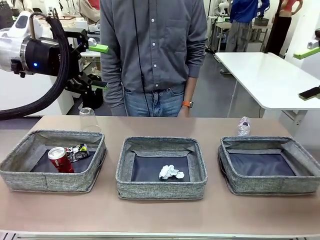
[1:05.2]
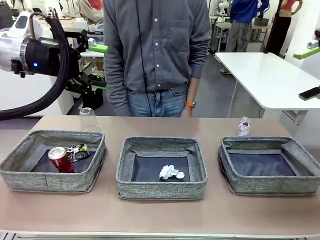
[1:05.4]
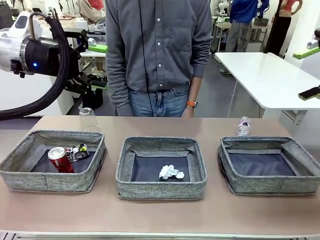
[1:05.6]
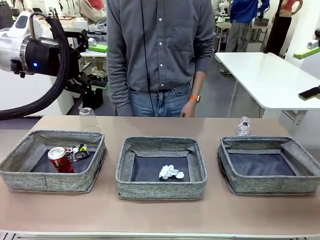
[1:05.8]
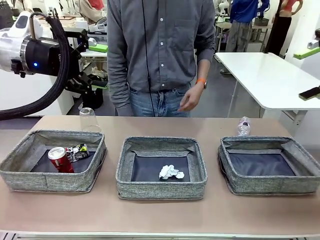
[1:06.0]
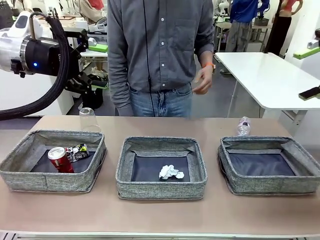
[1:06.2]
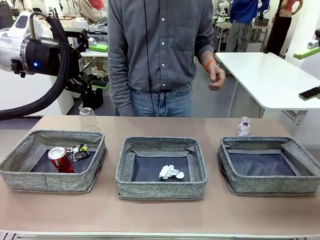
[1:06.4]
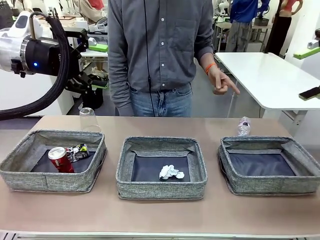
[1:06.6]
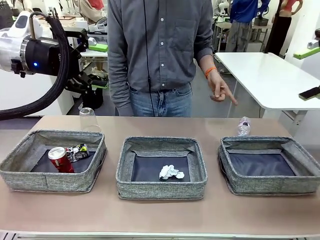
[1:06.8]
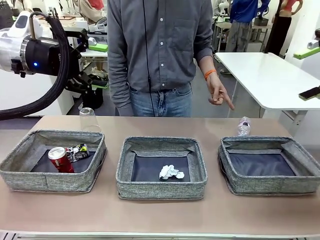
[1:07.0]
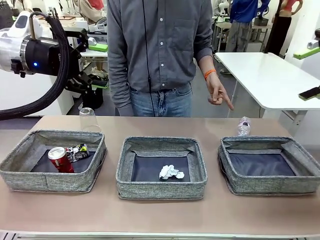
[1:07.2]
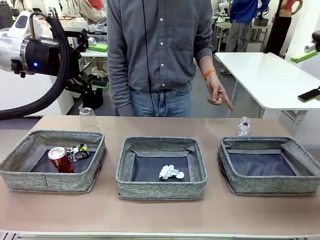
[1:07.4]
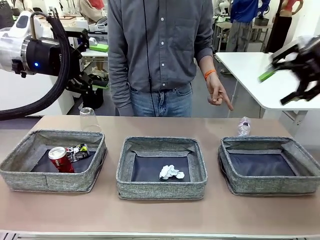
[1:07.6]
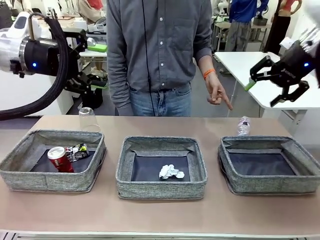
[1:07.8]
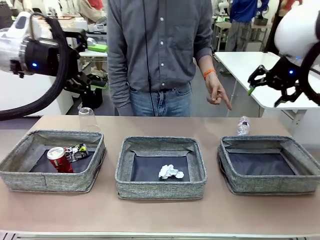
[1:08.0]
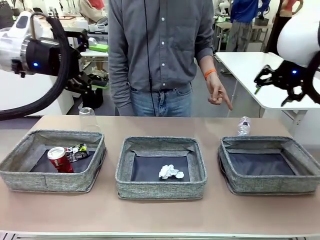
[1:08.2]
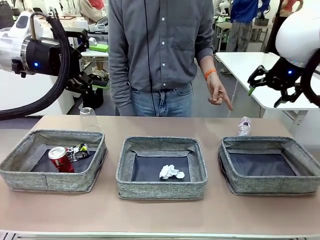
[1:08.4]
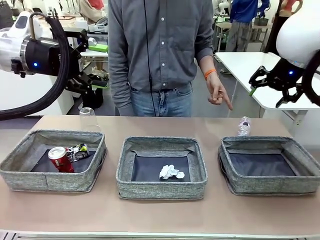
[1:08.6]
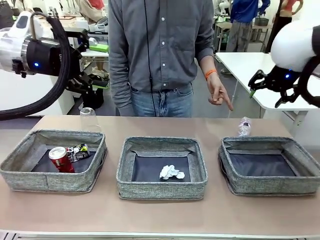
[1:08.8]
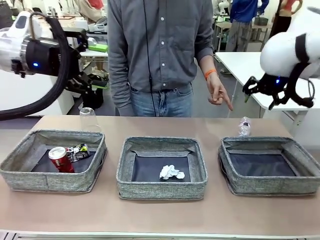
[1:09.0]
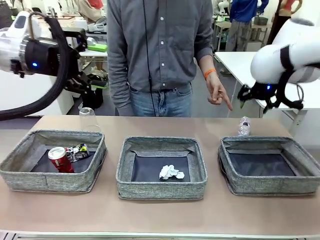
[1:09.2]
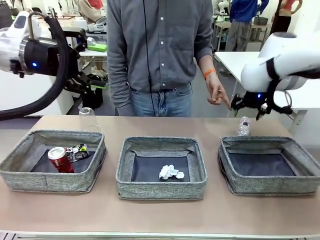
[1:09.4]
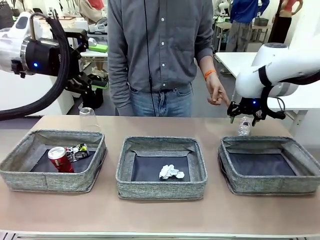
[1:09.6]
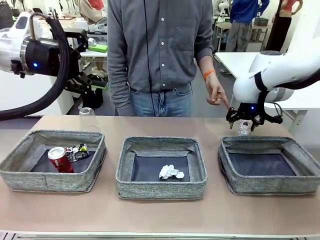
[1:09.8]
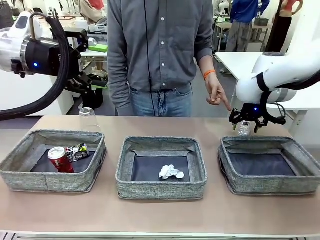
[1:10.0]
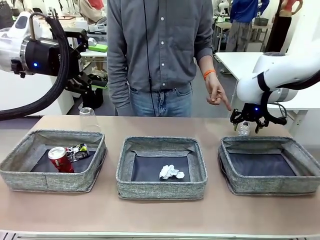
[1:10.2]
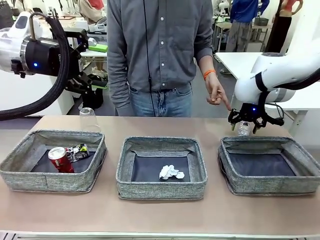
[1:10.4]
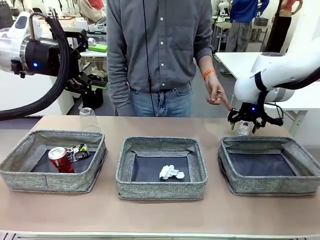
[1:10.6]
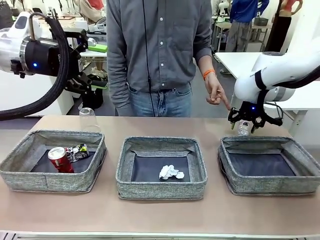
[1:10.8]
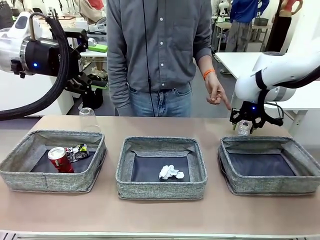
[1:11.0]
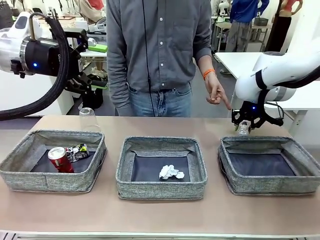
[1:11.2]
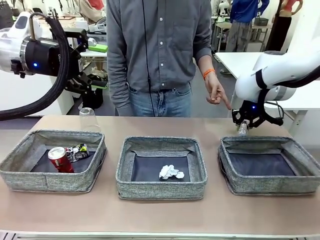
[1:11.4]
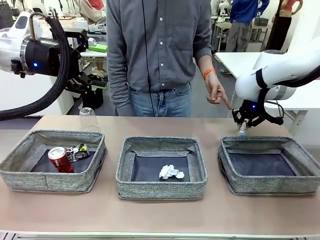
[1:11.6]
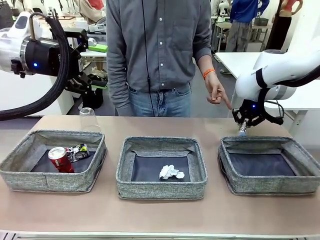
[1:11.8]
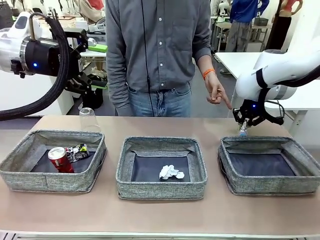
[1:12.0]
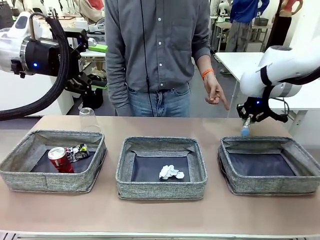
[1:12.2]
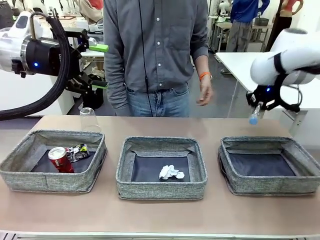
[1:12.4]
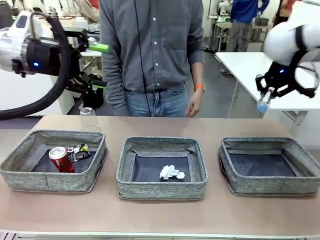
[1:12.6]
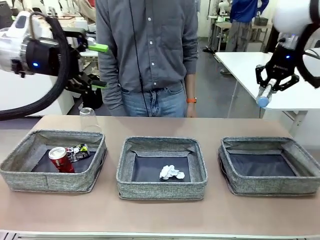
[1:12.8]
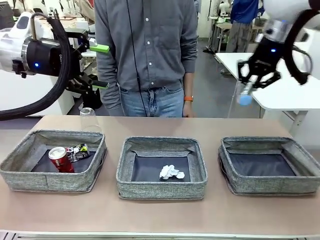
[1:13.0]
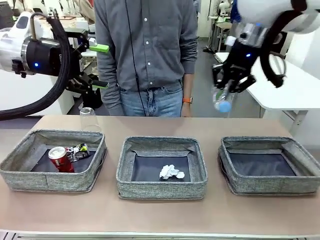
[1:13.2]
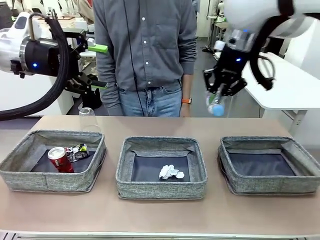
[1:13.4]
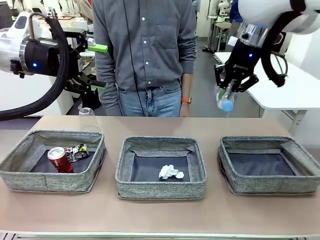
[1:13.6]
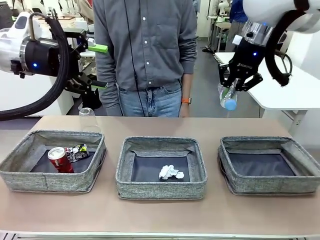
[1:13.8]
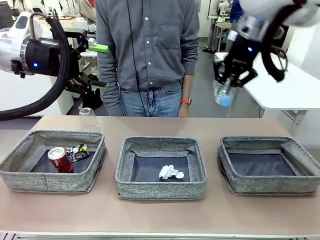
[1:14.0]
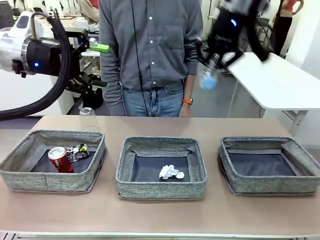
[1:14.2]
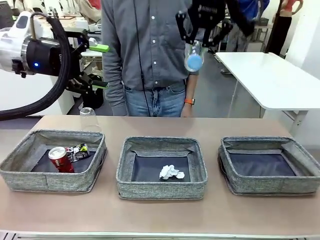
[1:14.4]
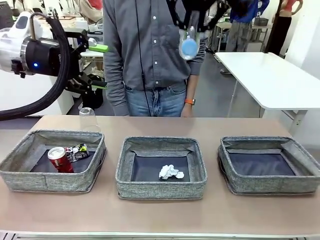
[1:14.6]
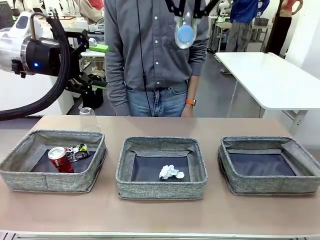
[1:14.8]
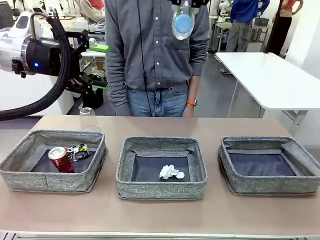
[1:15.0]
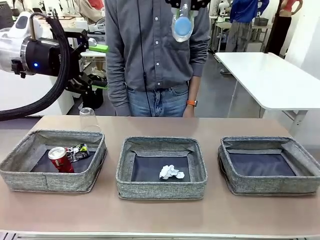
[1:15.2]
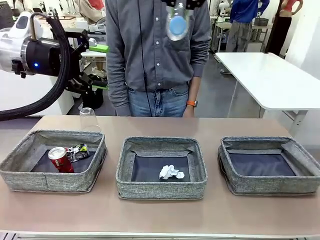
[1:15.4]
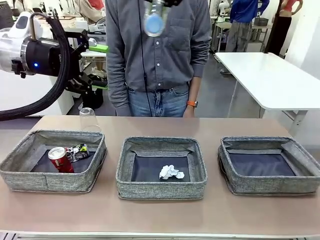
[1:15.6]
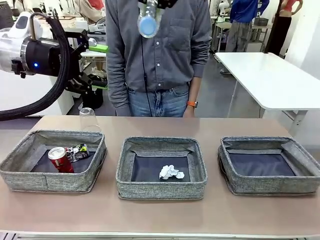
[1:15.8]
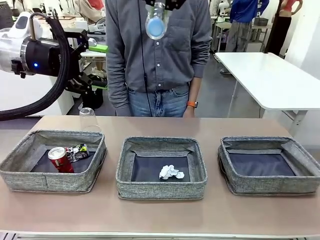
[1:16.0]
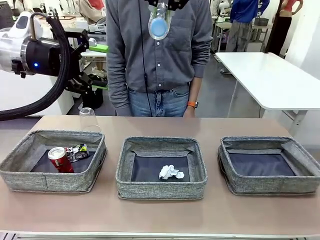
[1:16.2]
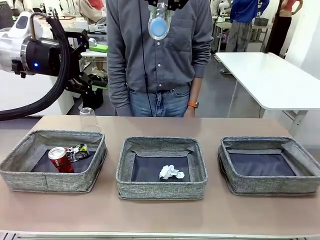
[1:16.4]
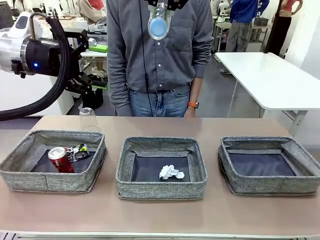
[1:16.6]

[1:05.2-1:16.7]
Task: Sort the waste into the appropriate baskets.
Robot: Pick up the waste item pointed out by the person.
Person: Points to one piece of trash on the table.

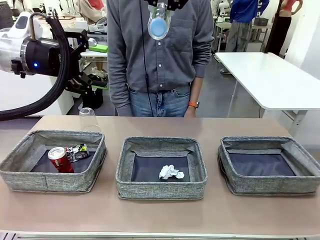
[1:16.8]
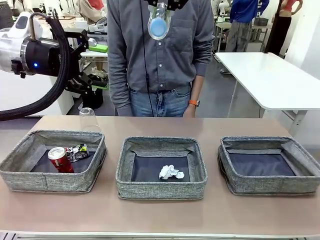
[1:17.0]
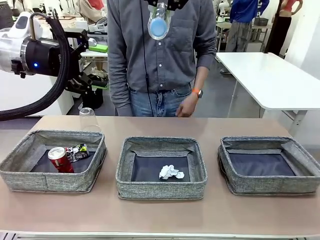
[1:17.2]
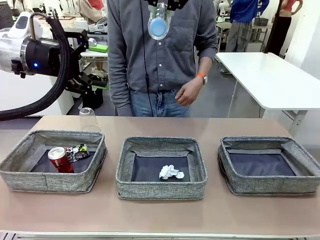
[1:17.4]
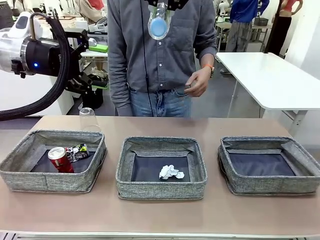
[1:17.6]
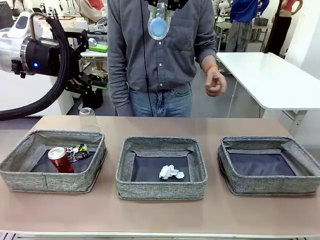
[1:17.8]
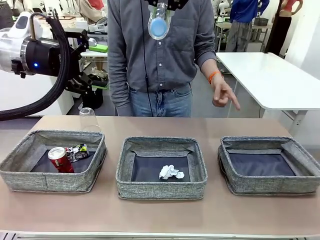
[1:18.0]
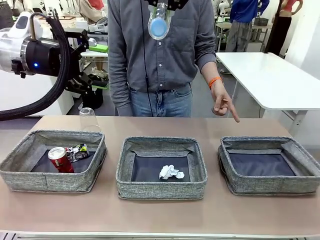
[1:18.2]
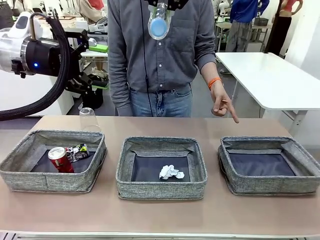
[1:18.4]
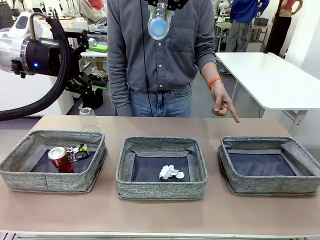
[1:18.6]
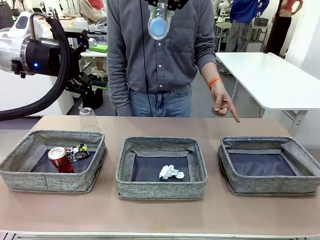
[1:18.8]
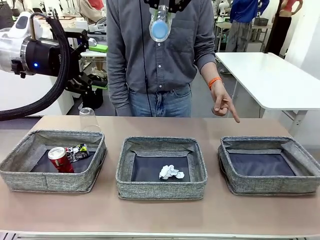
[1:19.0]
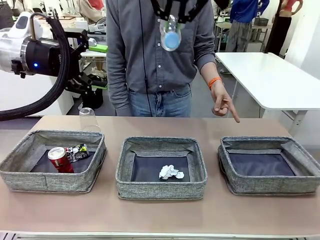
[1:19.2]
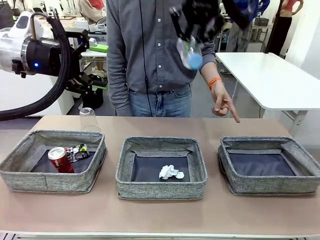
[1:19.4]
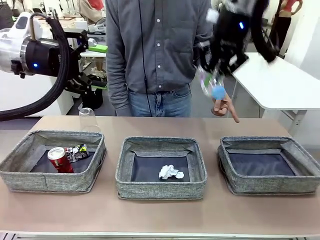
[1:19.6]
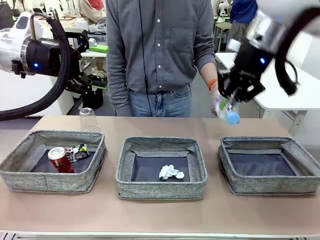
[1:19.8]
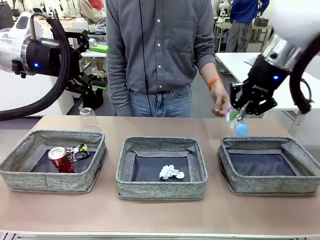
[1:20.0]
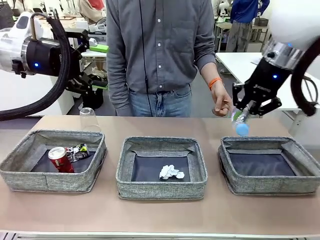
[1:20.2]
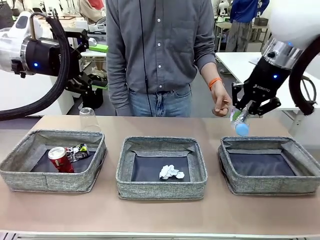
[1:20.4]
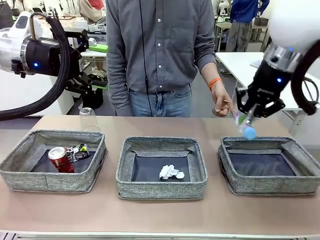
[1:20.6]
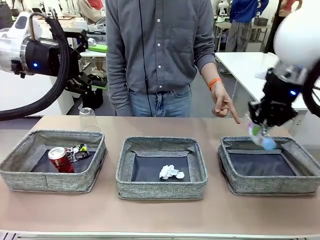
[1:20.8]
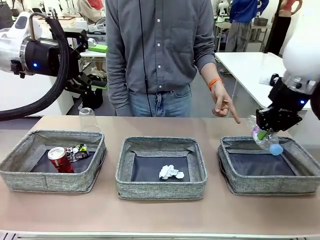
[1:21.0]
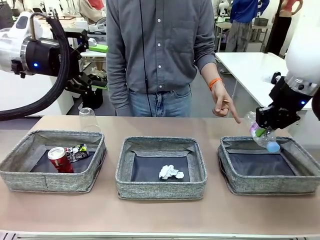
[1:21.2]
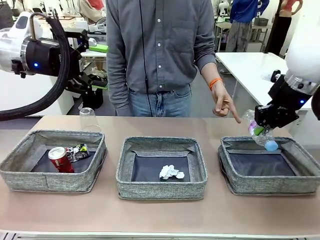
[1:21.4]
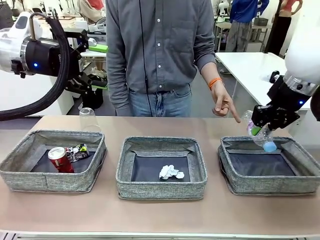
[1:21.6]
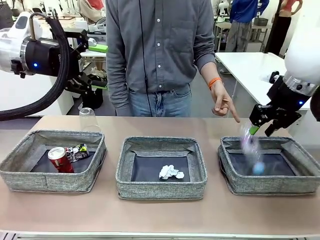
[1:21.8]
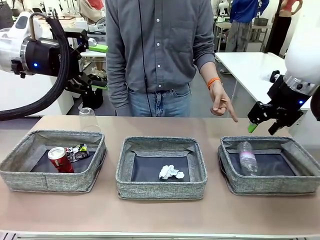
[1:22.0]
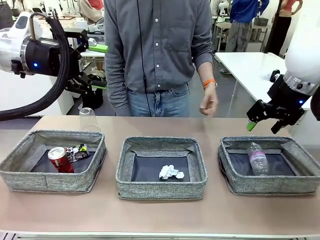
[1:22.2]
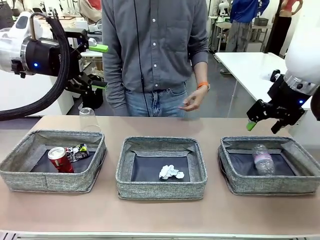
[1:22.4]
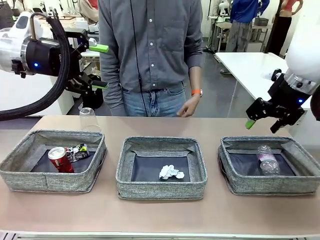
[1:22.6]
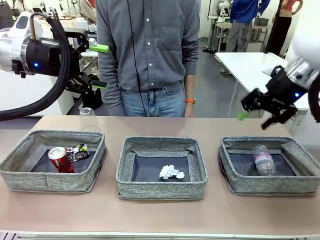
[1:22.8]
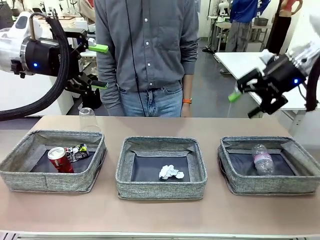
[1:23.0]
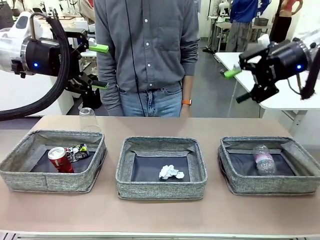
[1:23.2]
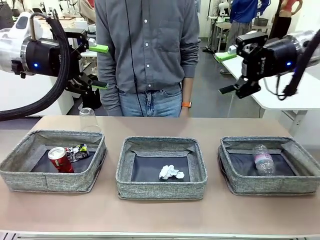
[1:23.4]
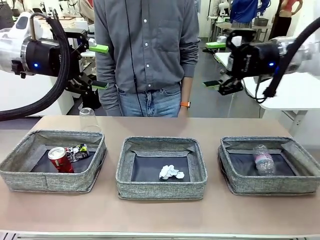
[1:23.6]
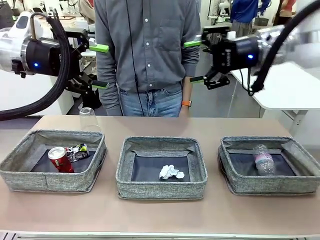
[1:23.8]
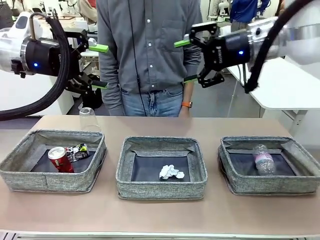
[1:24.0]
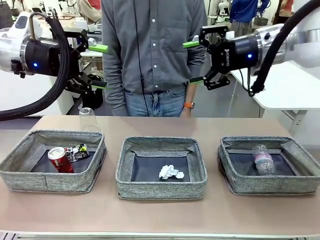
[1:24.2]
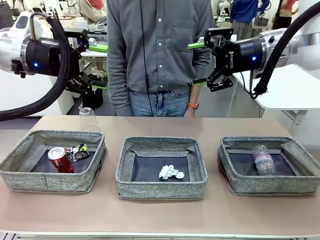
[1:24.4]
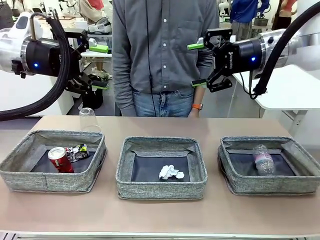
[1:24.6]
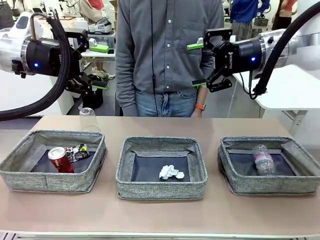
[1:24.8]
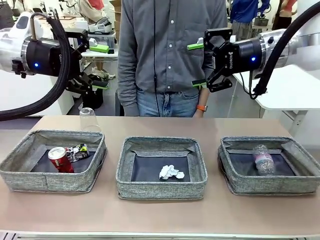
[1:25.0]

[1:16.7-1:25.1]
Robot: Place the picked waste into the Fabric basket indicated by the person.
Person: Instructs the robot to place the picked-up trash into the appropriate organizing basket.
